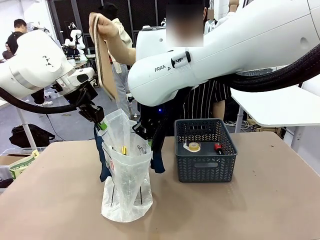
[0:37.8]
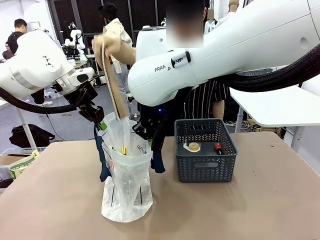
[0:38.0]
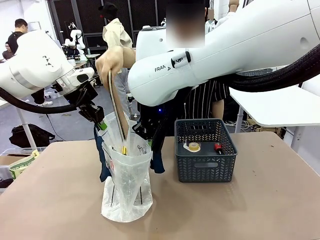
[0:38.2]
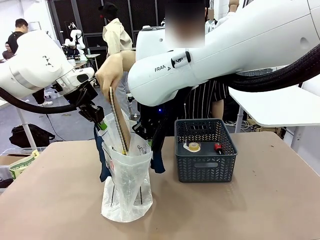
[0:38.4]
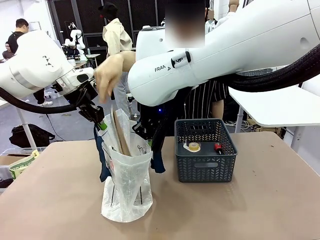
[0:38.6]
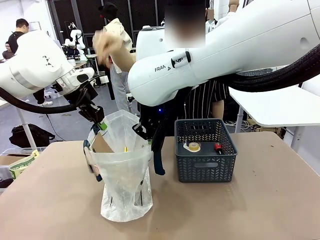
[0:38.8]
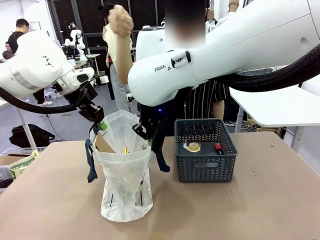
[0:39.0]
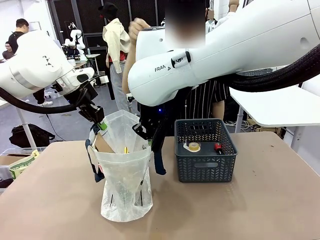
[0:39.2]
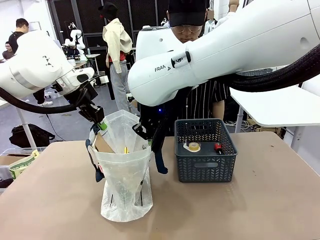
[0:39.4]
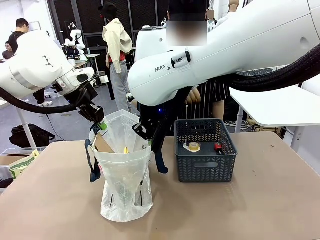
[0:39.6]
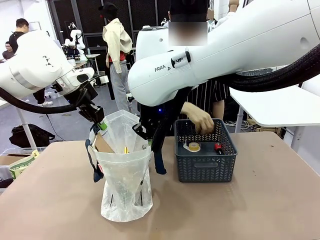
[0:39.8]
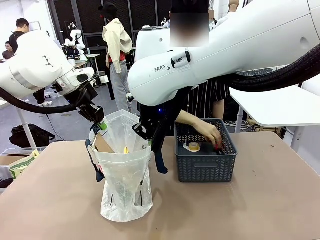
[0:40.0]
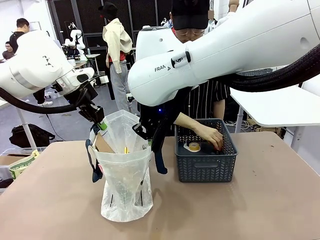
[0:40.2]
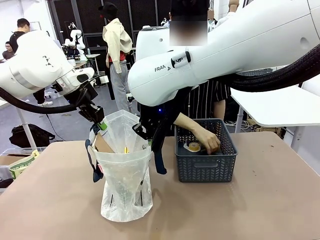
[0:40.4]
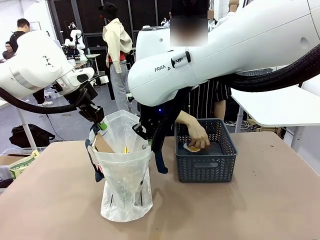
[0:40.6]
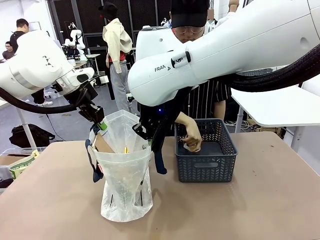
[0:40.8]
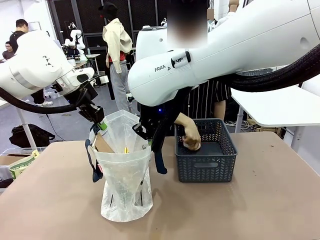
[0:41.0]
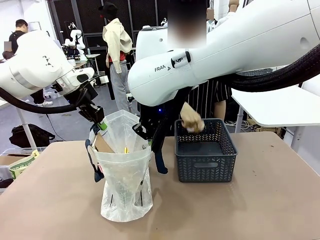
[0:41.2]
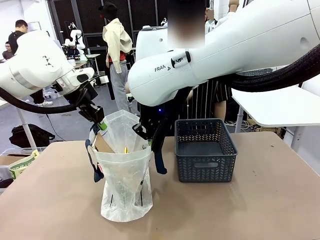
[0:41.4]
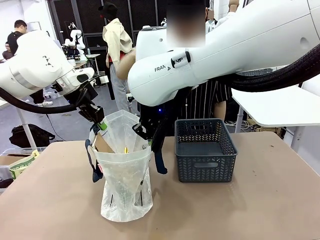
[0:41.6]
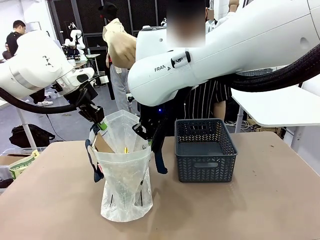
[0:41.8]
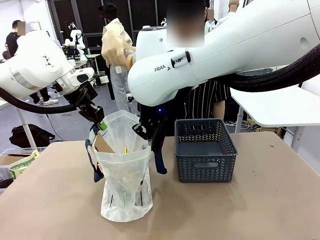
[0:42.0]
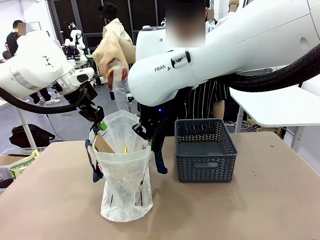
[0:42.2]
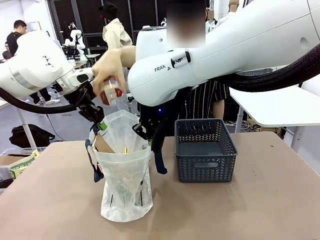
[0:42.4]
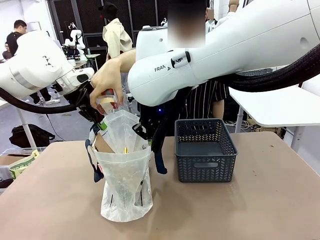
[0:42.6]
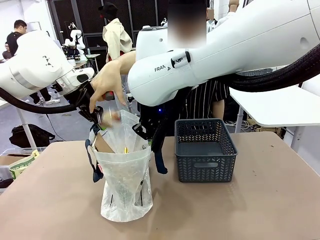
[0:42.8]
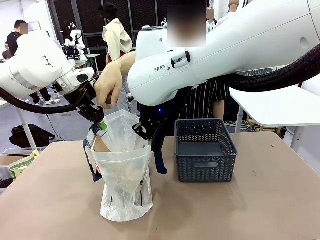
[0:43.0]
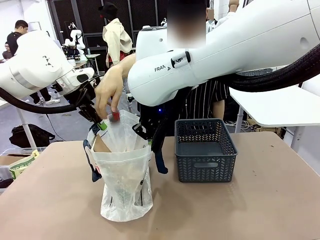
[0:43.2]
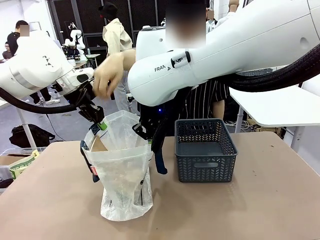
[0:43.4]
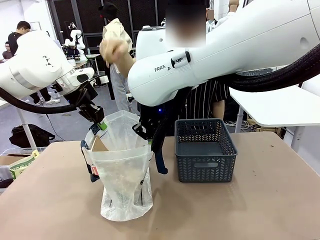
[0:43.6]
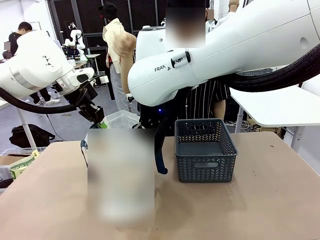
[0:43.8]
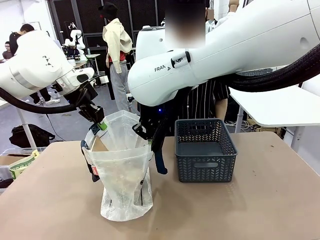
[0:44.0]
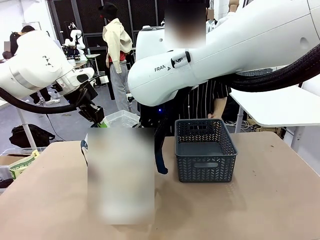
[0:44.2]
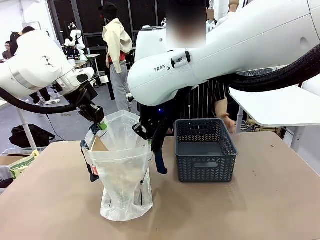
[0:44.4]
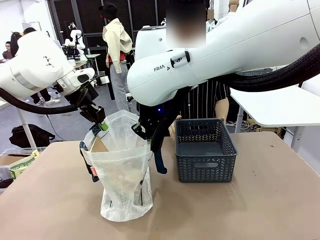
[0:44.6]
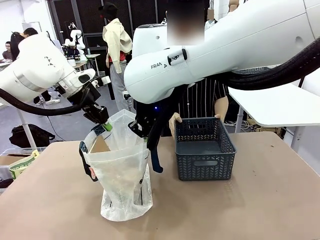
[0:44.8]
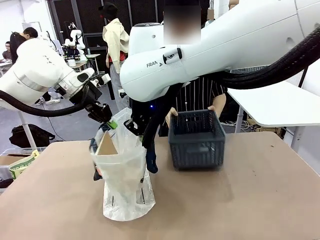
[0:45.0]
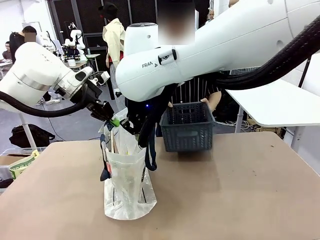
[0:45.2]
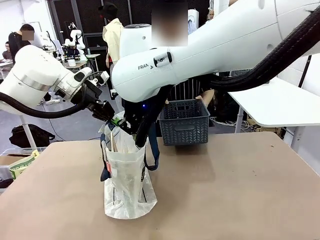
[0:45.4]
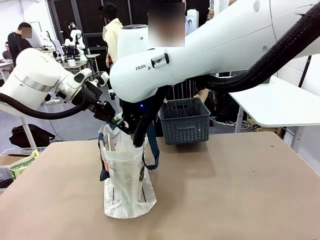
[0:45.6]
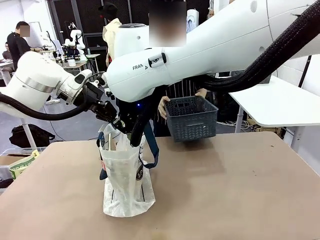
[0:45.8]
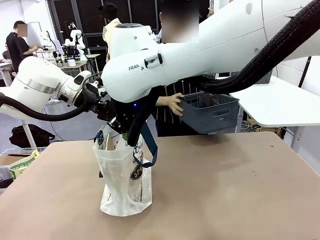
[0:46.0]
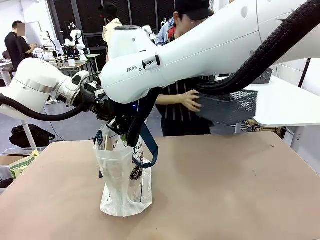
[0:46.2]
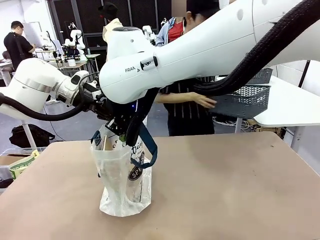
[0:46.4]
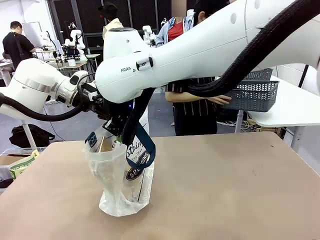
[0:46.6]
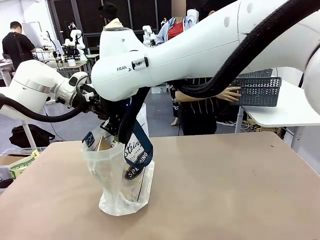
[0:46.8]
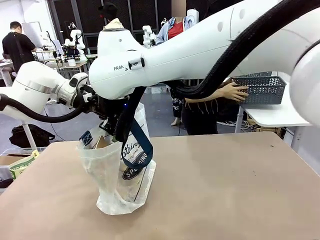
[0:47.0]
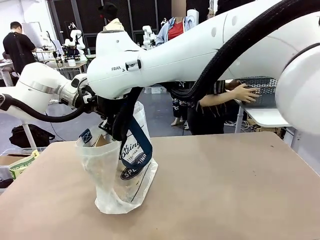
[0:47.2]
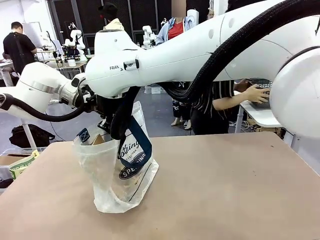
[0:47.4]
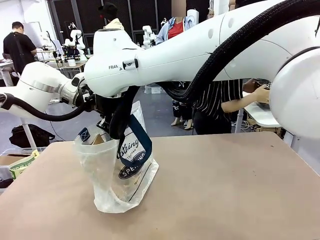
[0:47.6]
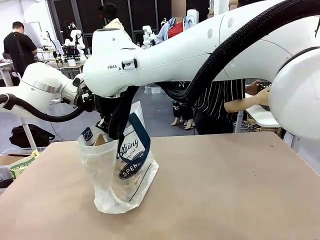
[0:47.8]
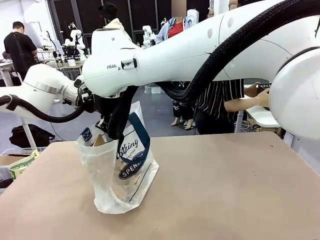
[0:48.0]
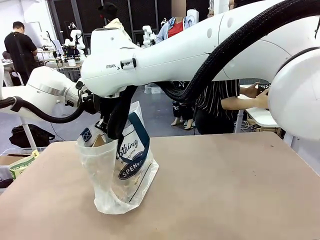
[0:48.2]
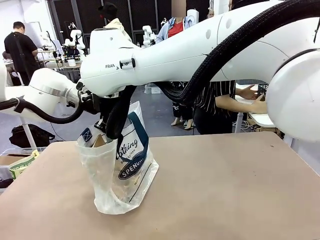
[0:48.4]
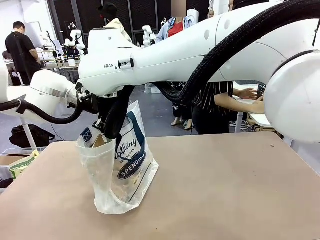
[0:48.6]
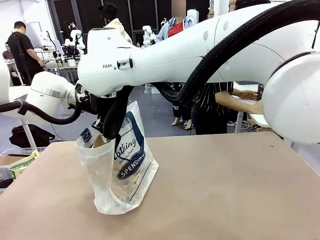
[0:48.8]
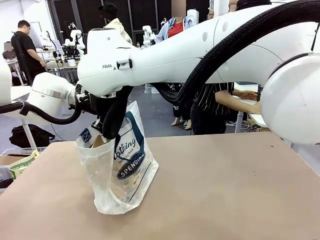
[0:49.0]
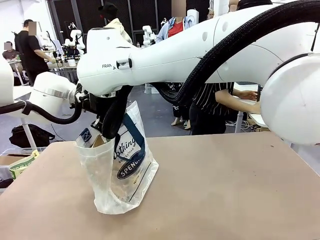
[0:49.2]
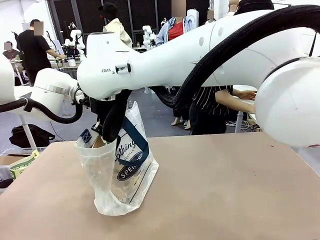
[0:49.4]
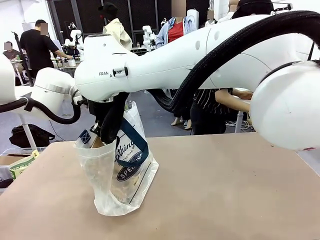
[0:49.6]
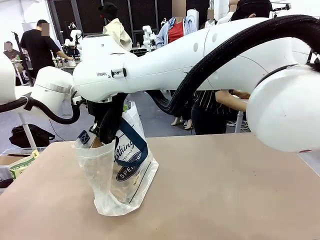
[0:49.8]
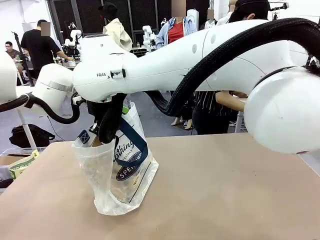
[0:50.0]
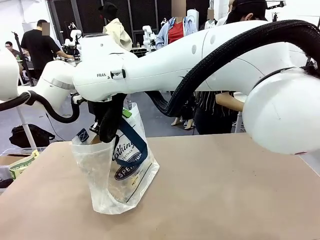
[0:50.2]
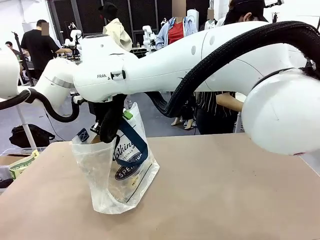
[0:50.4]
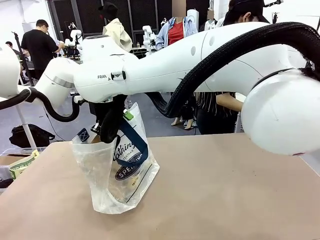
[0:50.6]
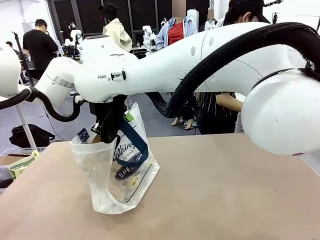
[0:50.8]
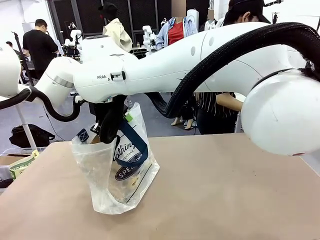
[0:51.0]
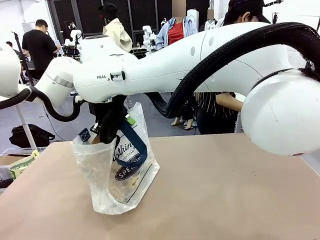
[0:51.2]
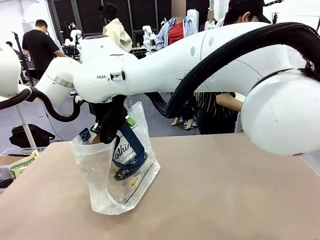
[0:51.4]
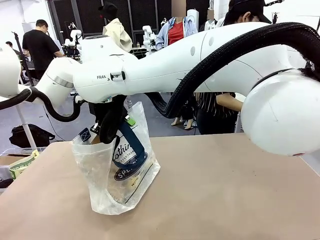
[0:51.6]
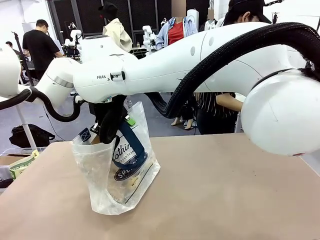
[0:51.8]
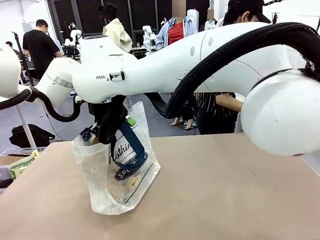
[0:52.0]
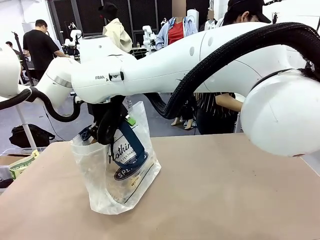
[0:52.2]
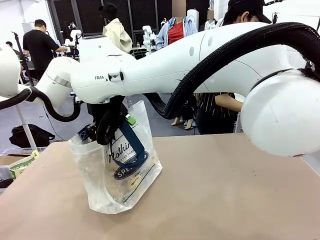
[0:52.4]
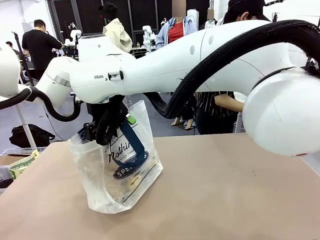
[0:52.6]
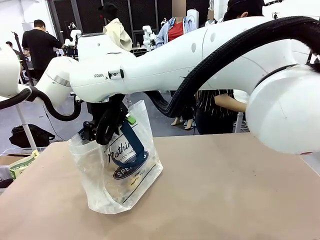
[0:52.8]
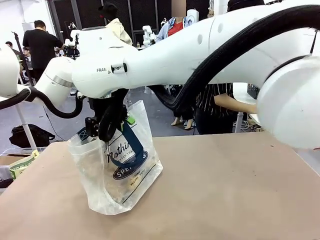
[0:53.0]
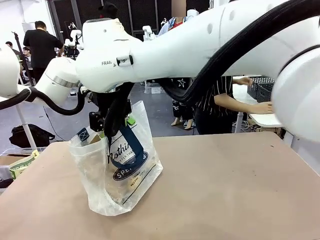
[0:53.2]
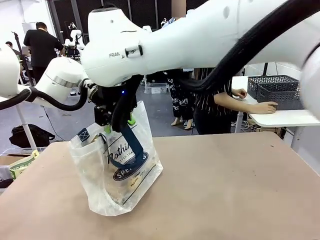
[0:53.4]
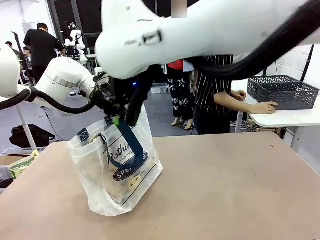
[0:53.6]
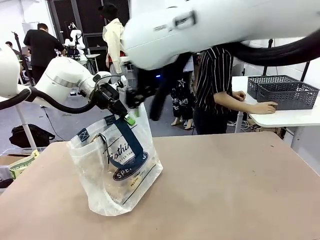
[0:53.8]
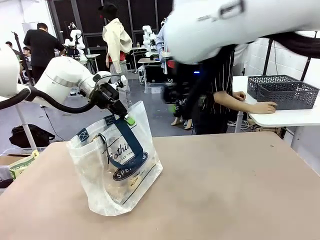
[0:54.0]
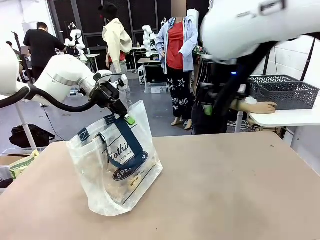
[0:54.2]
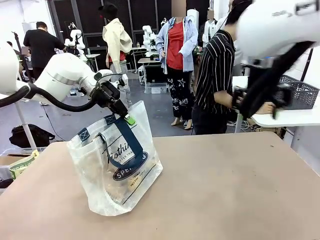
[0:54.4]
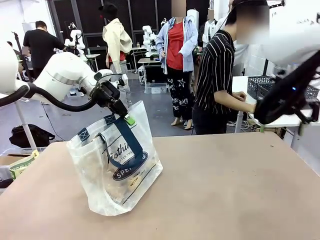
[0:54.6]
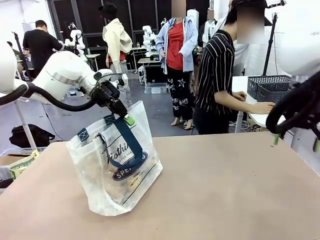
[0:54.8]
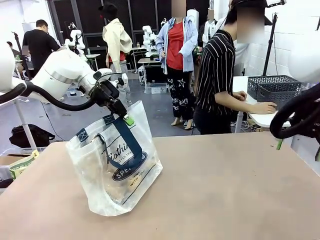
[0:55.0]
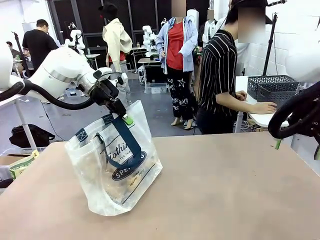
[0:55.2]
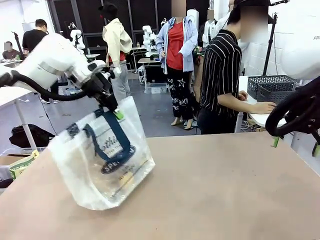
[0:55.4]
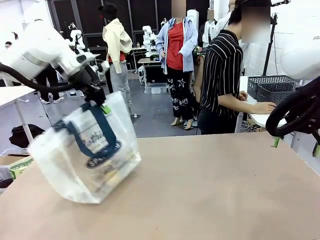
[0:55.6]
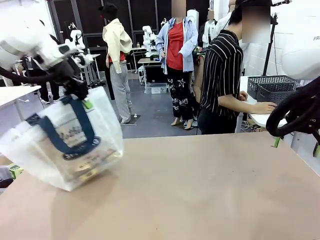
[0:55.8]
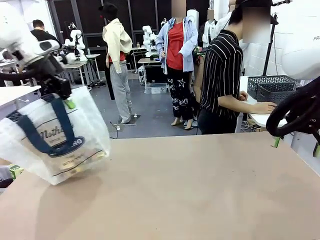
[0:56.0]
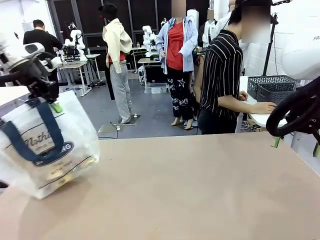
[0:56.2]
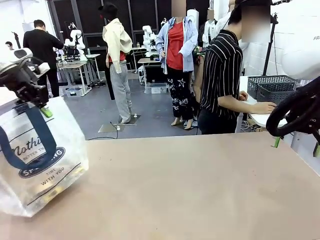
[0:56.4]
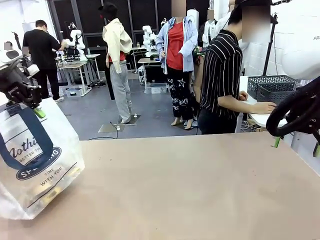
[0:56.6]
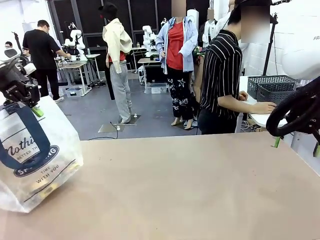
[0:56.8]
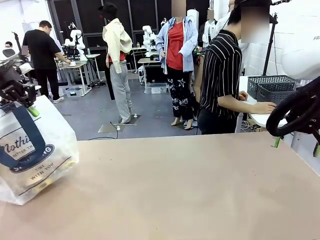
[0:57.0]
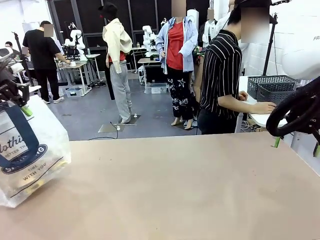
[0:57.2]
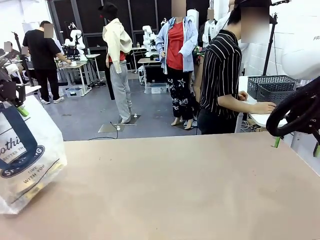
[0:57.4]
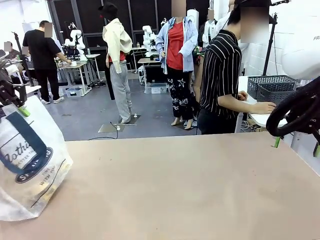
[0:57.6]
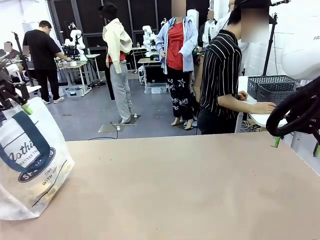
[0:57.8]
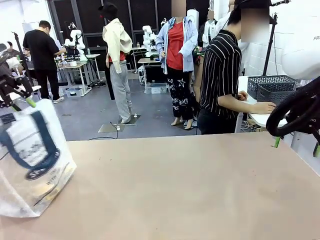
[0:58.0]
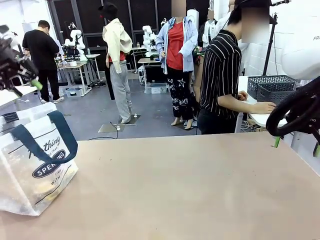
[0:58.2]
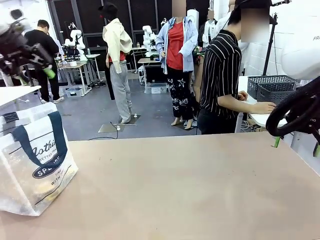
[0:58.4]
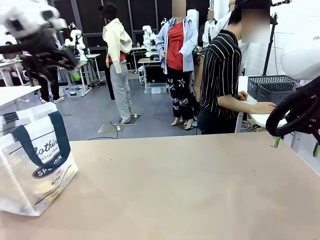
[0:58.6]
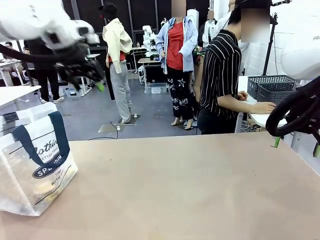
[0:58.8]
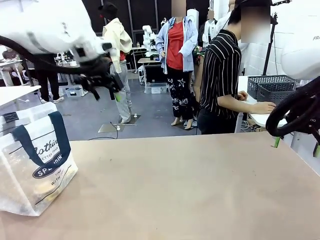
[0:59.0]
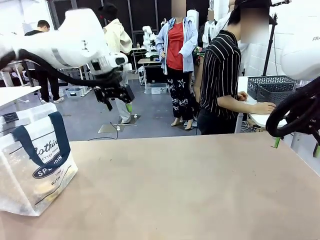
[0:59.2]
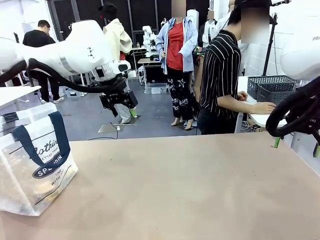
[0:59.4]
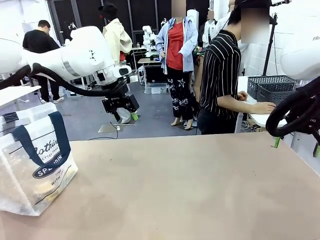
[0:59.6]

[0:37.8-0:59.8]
Task: Transfer purchased items from the store into the shopping bag.
Robot: Move the Reusable shopping bag to the right side of the table.
Person: Move the basket on the left to the middle of the person's table.
